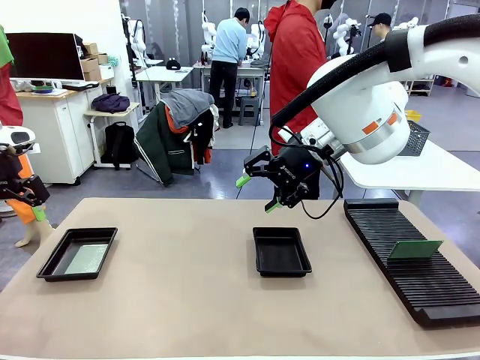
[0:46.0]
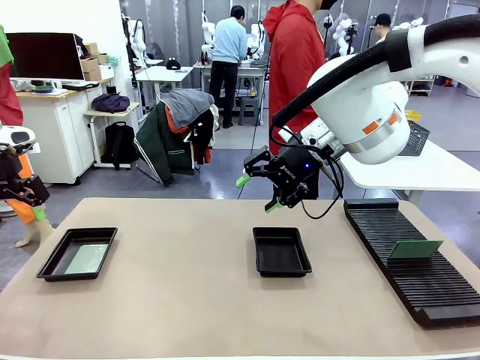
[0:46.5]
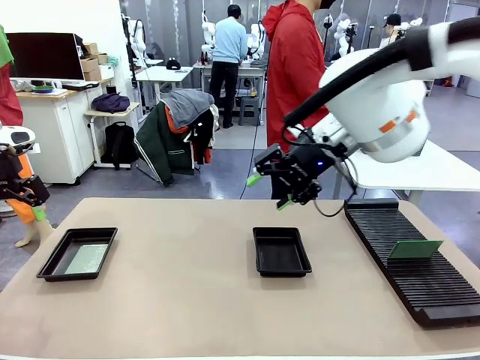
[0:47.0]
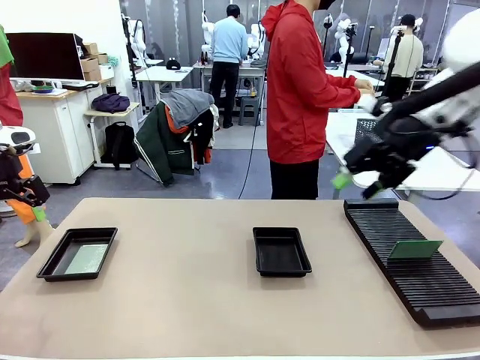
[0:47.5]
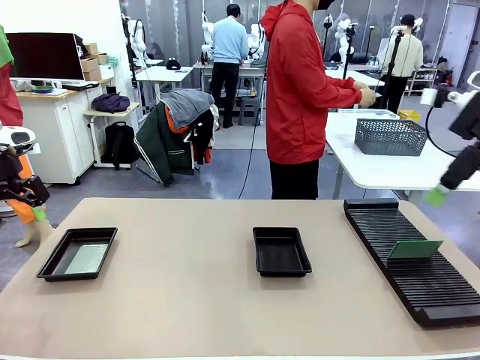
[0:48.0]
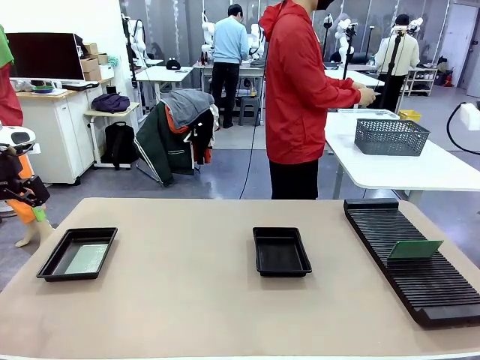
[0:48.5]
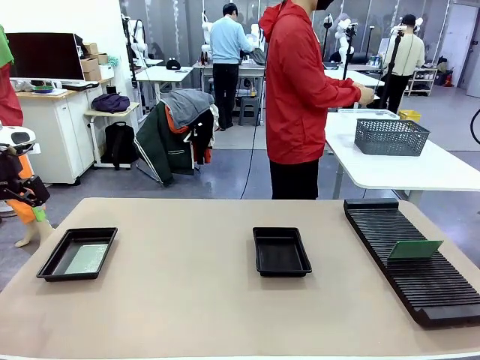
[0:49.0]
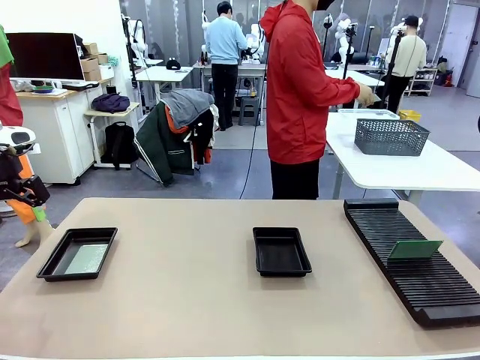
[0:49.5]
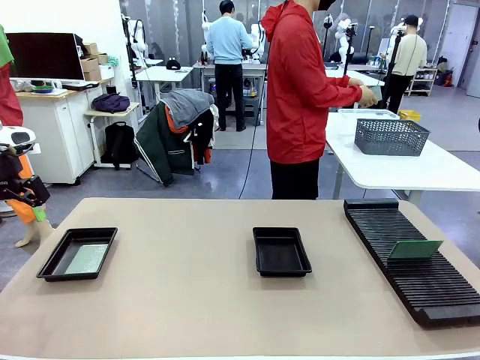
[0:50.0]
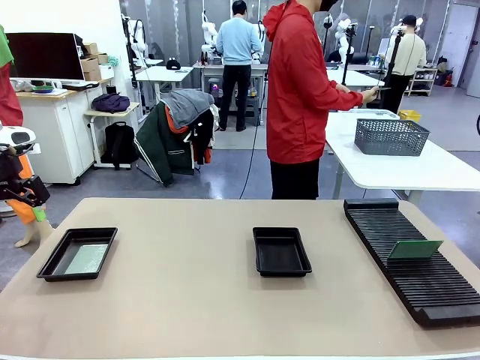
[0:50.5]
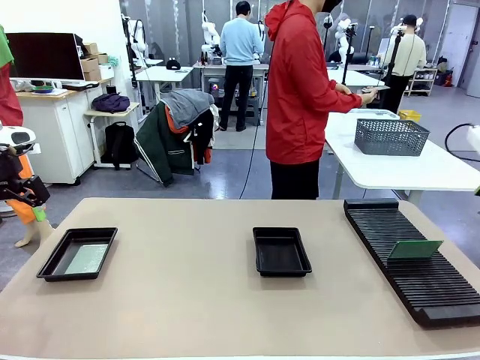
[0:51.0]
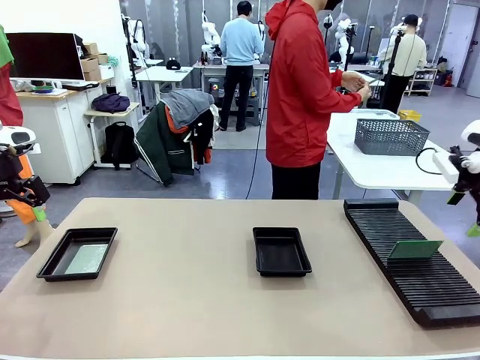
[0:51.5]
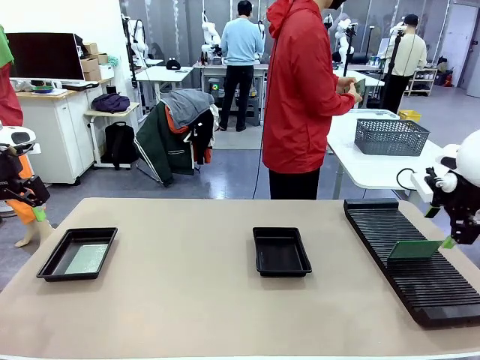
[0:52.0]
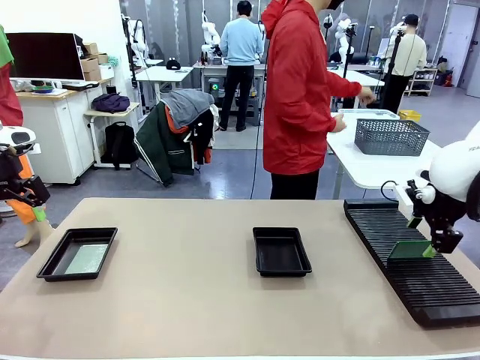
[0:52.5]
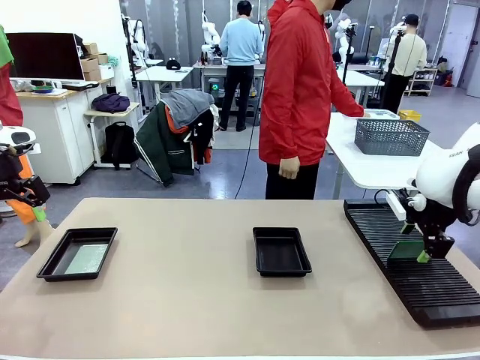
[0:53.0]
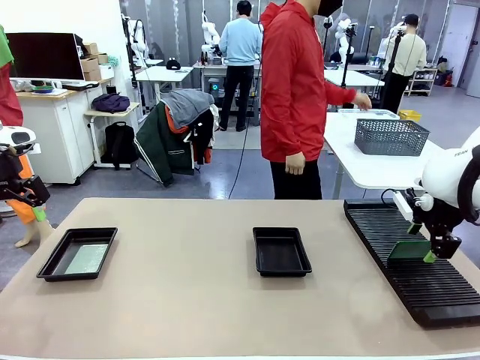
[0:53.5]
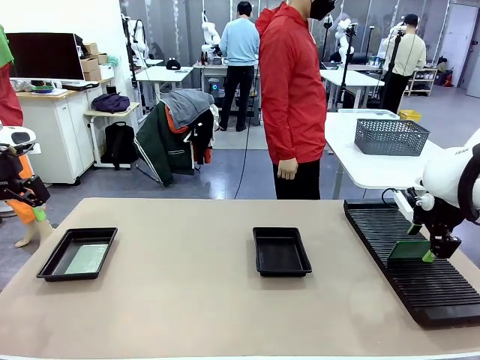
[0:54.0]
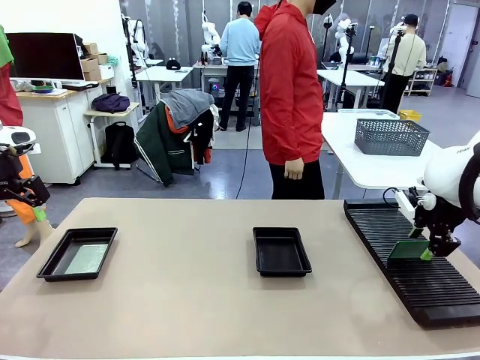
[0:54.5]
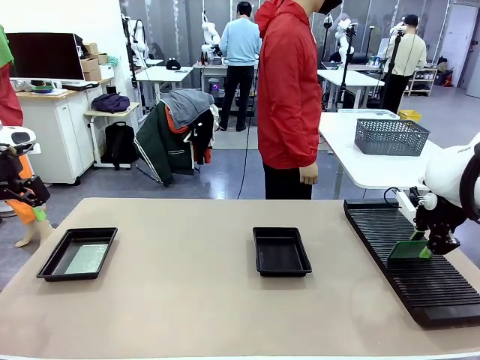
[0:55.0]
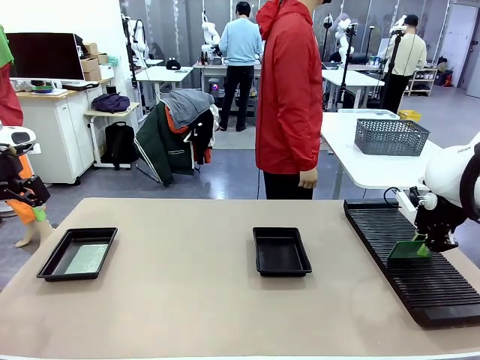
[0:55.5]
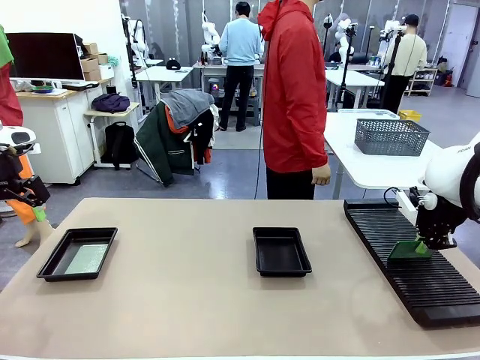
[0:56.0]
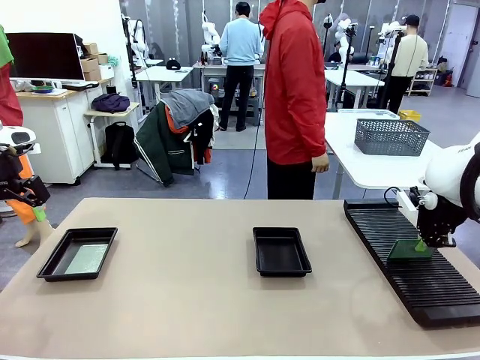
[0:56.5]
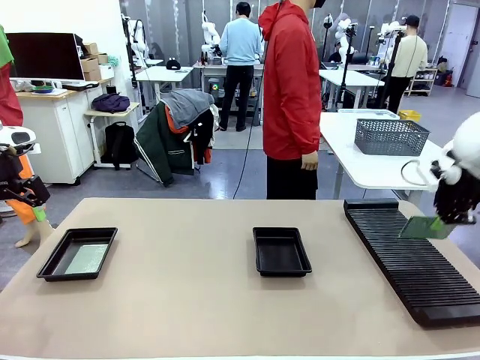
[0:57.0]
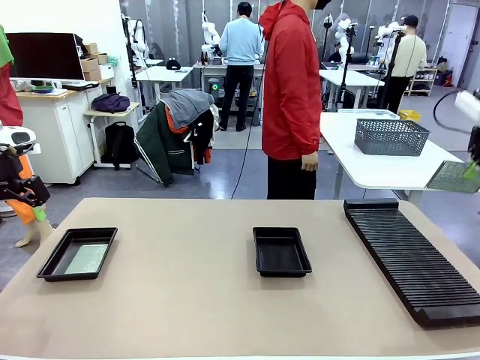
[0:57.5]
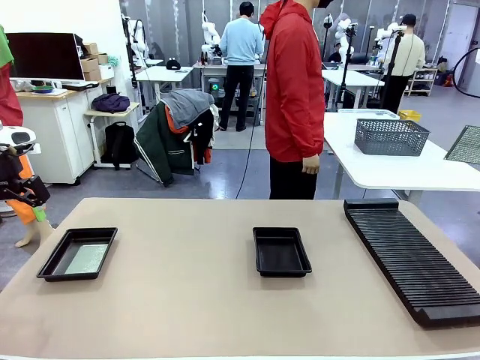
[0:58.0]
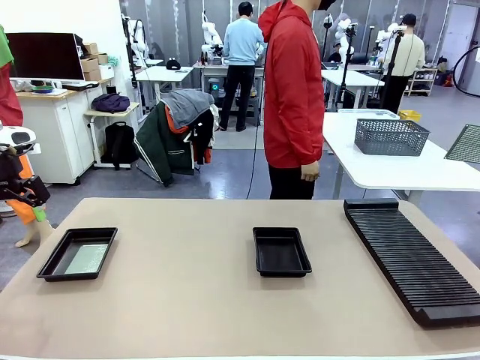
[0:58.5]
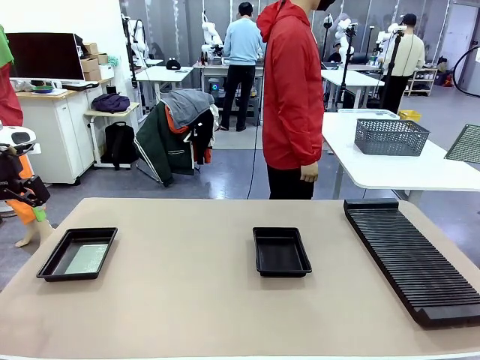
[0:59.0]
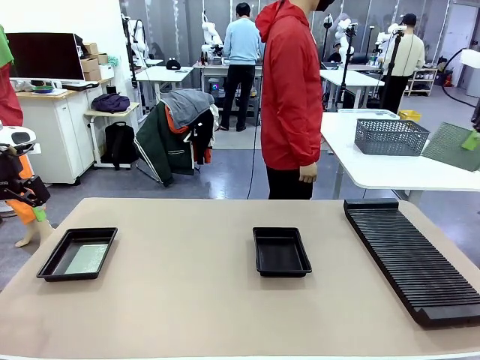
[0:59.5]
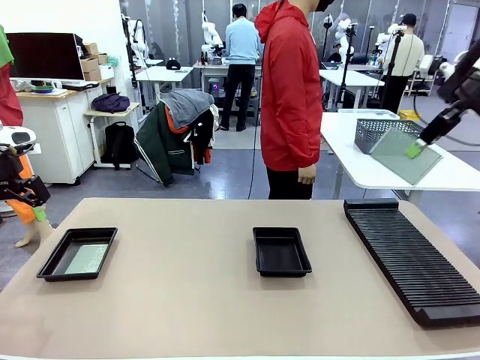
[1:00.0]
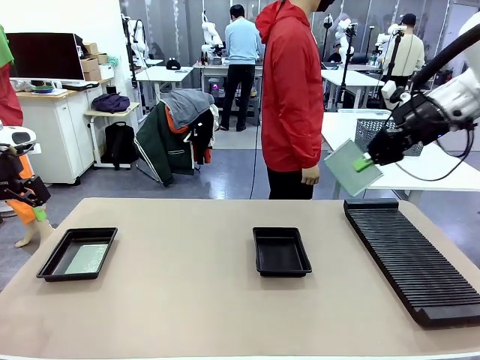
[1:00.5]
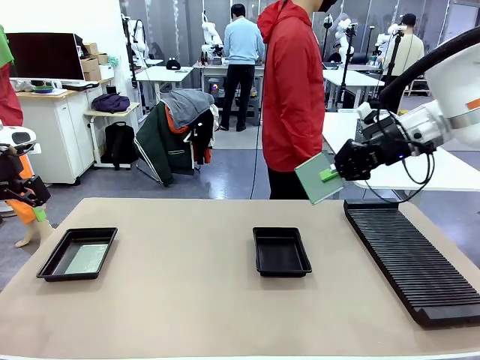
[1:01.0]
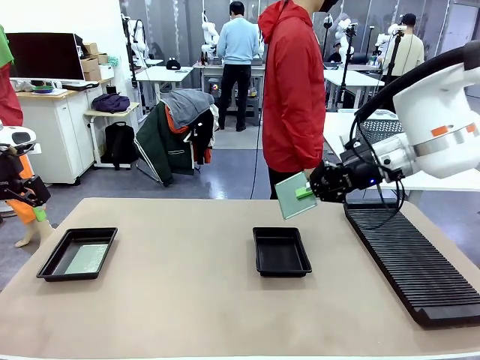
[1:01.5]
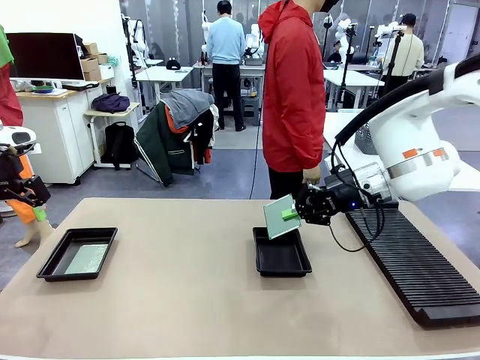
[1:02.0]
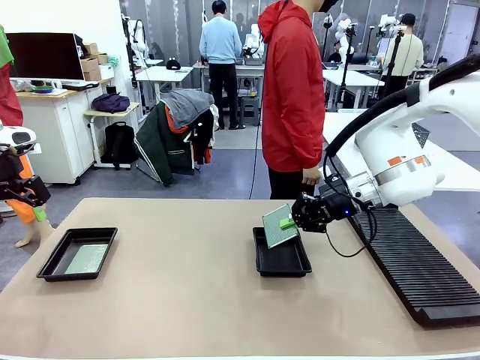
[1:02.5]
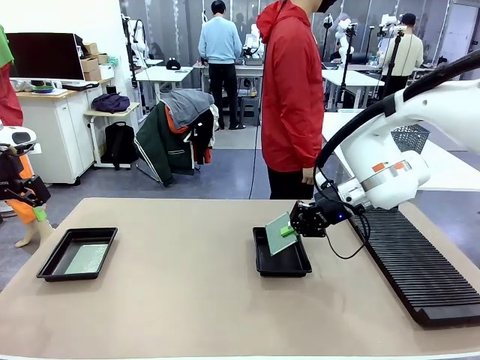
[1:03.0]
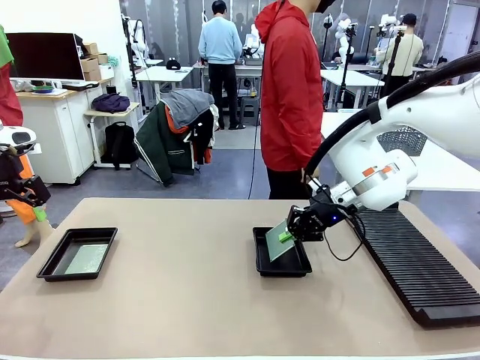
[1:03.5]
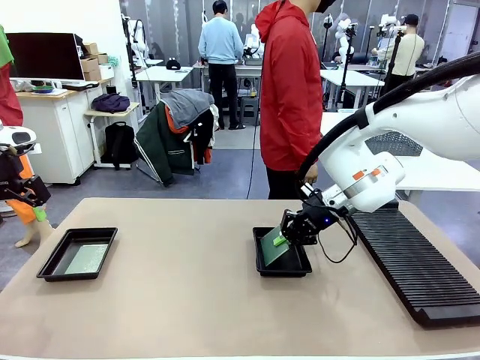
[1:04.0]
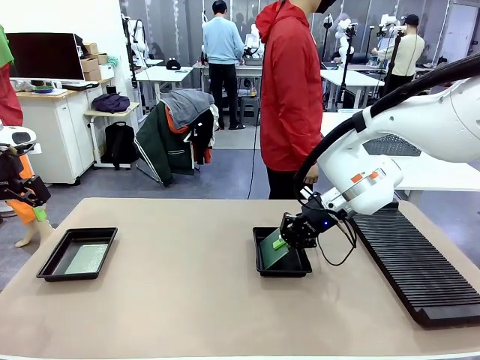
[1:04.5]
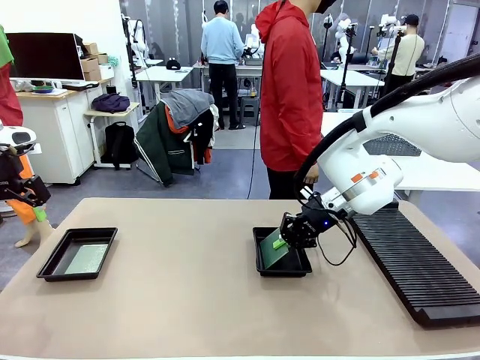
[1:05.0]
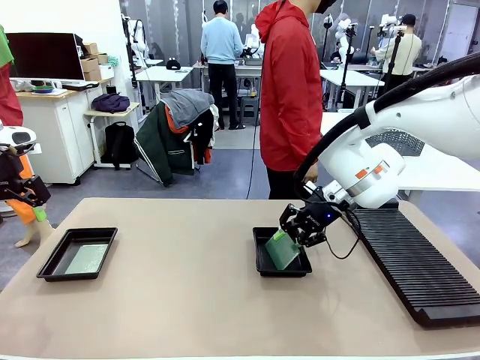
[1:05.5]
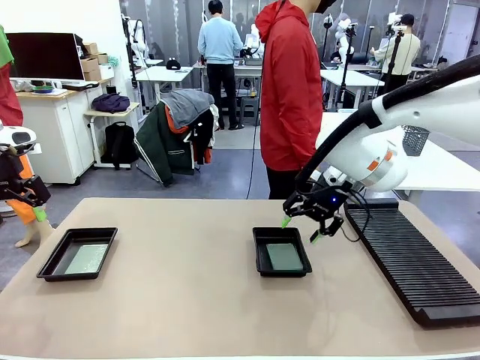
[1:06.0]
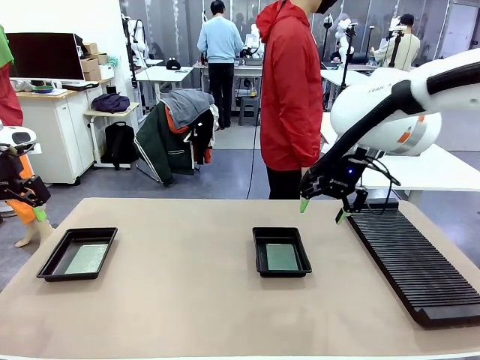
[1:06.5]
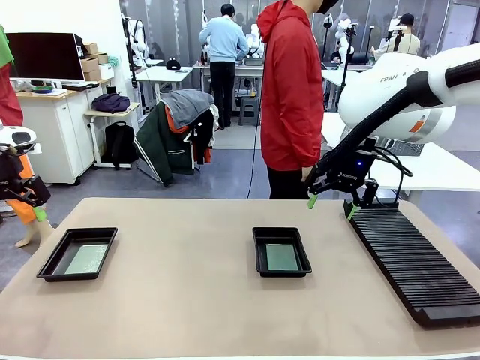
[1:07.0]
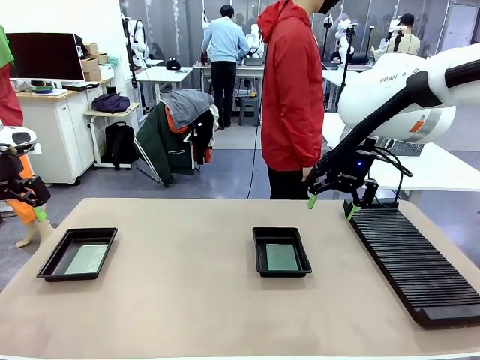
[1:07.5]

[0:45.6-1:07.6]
Task: Inspect and transfer BCBs to ESD trays.
Robot: Pick up the Blank PCB from the PCB Rack and place it in the right ESD tray.
